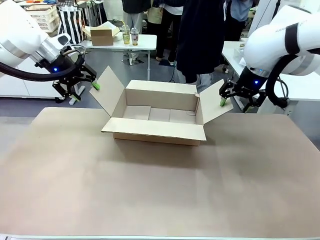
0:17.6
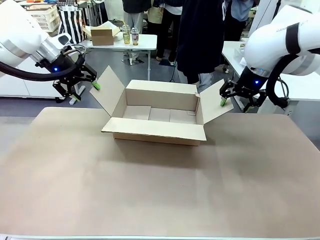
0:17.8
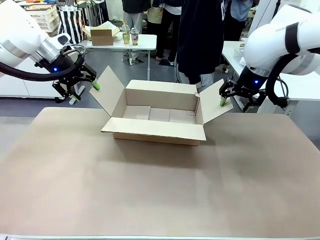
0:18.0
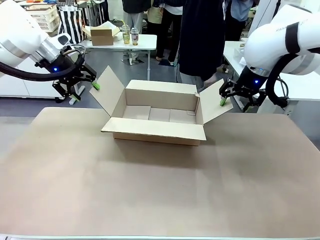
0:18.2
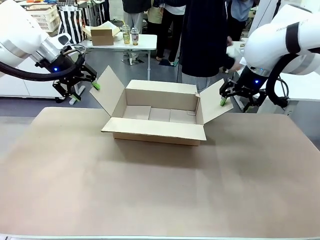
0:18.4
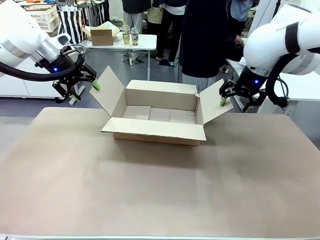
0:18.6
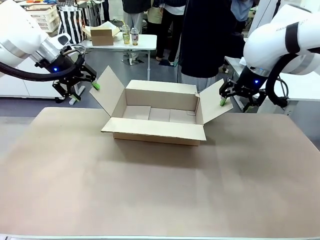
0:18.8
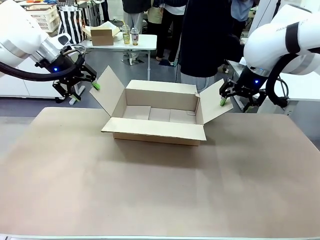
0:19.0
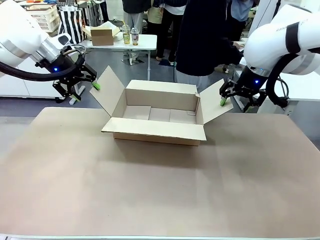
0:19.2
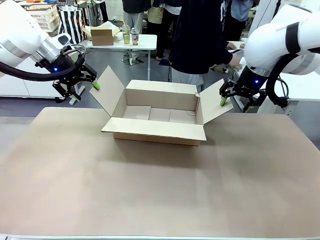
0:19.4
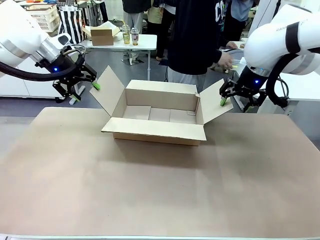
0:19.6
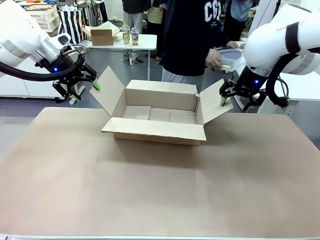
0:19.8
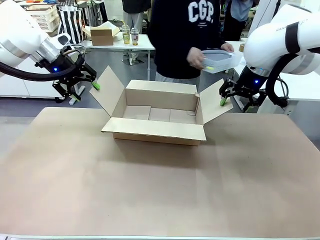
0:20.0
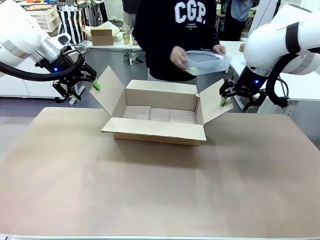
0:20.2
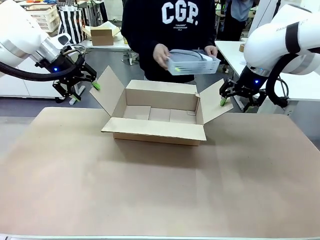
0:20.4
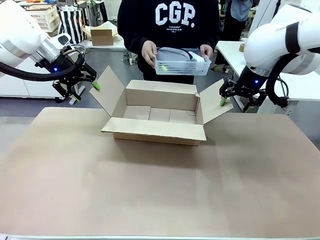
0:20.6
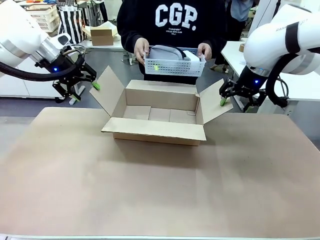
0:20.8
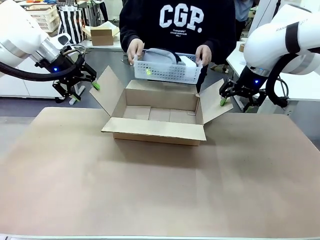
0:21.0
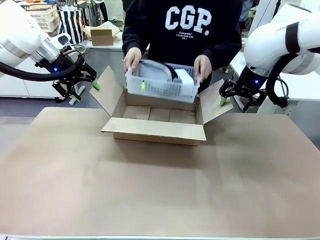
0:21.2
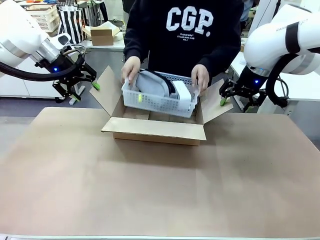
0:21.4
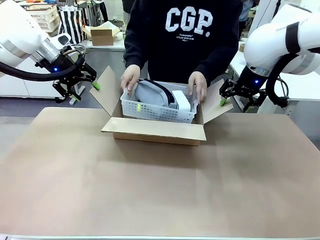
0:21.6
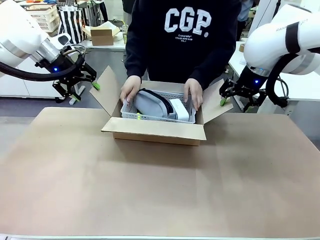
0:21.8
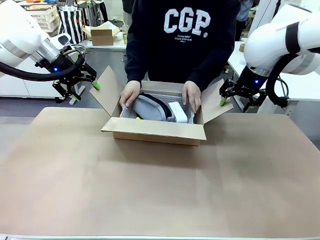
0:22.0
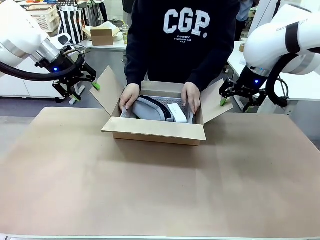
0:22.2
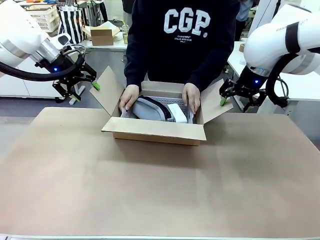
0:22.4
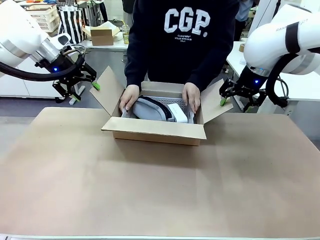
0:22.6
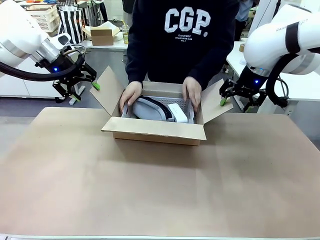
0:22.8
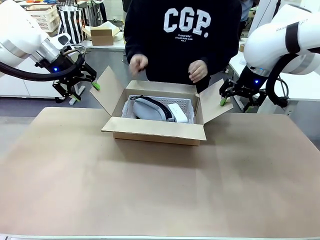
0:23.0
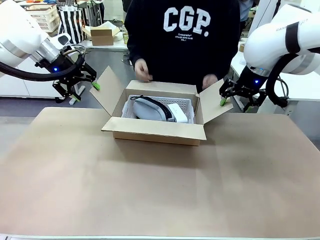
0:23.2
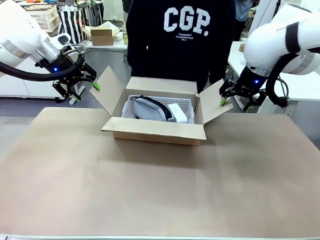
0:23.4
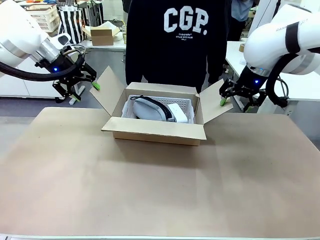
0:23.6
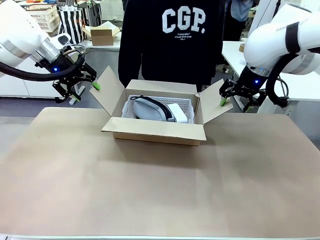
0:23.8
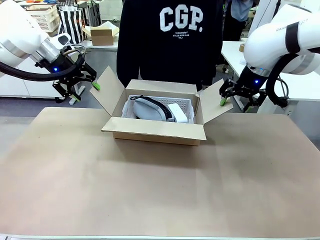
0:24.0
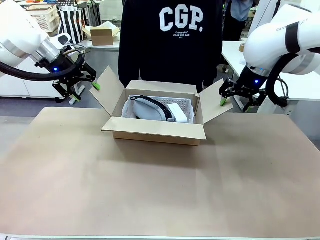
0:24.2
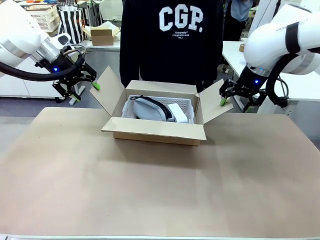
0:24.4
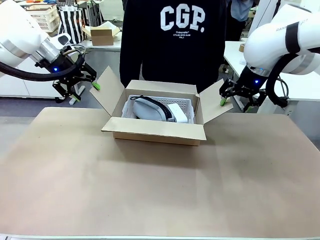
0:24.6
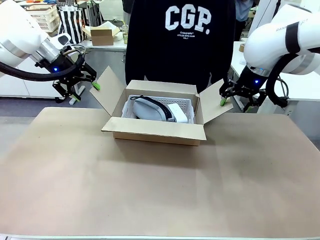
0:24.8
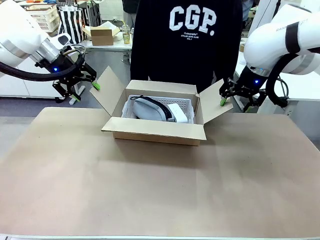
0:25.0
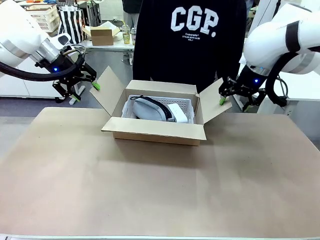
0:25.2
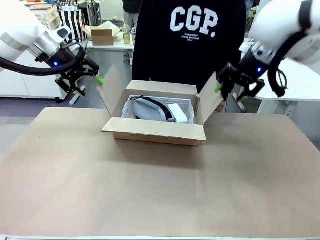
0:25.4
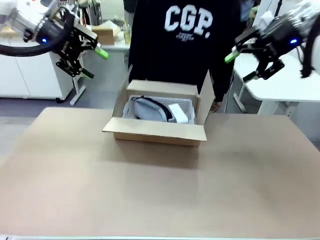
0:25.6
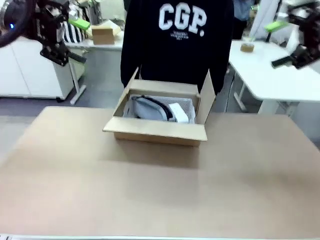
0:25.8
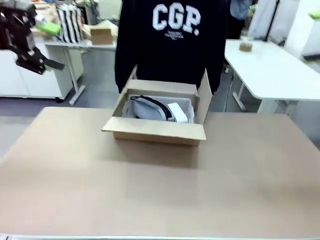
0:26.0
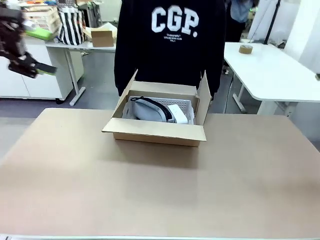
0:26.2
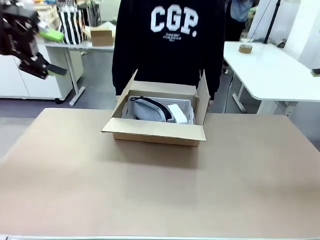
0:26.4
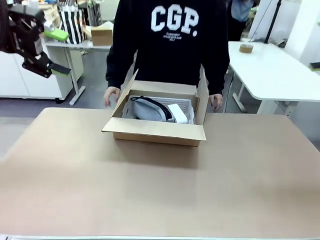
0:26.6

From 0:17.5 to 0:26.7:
Task: Pack the gift set into the box.
Robot: Lift both hands away from the flaps of the Package Box.
Person: The human picks up the organizing basket and places the organizing basket into the package box on the robot table.

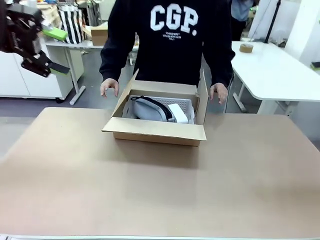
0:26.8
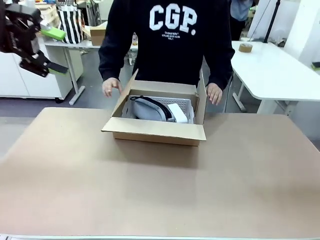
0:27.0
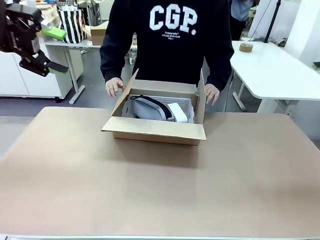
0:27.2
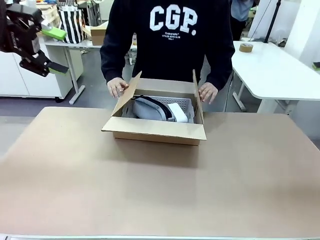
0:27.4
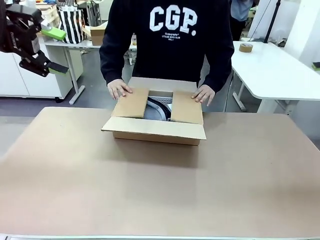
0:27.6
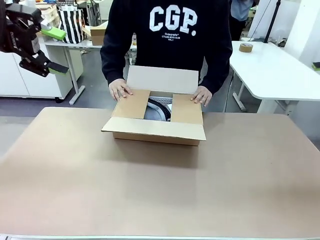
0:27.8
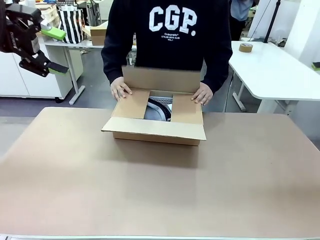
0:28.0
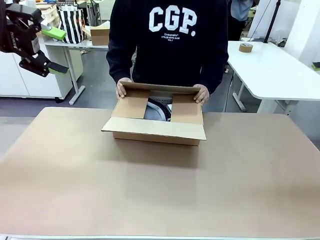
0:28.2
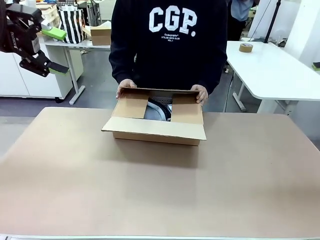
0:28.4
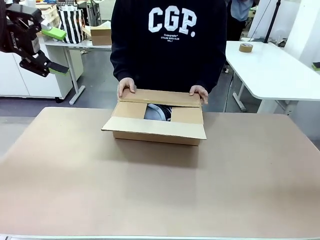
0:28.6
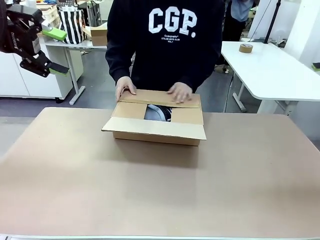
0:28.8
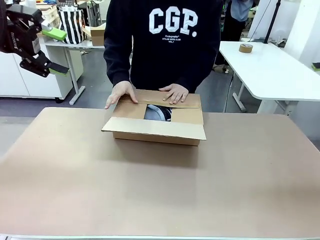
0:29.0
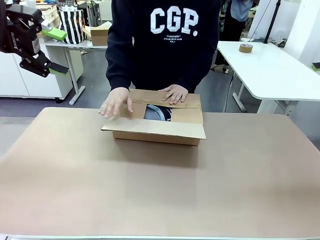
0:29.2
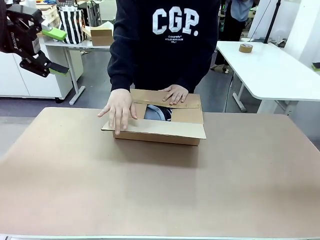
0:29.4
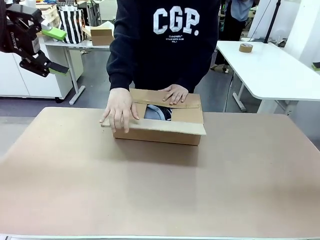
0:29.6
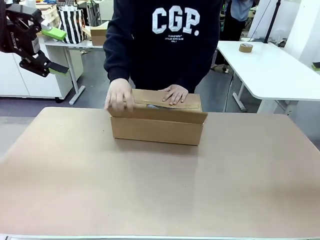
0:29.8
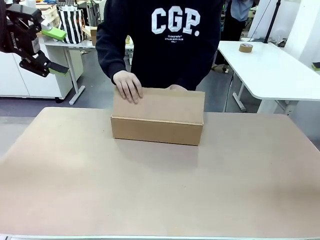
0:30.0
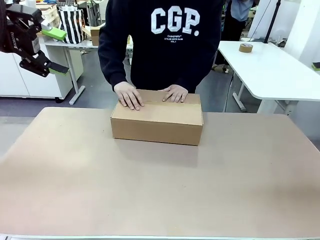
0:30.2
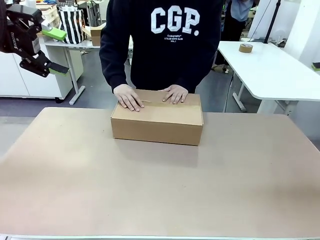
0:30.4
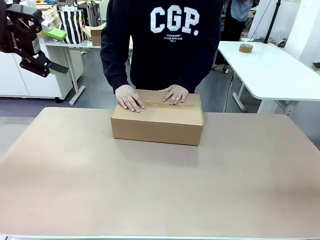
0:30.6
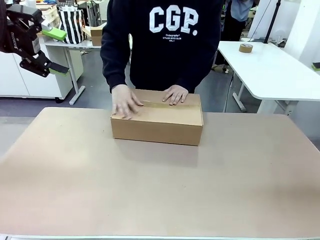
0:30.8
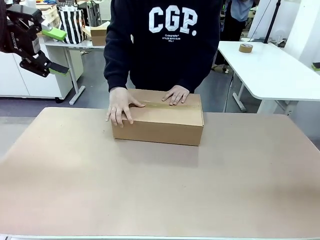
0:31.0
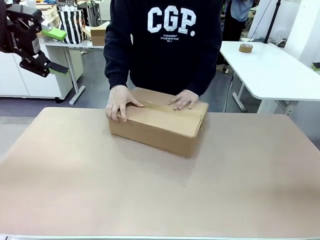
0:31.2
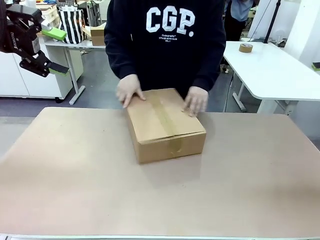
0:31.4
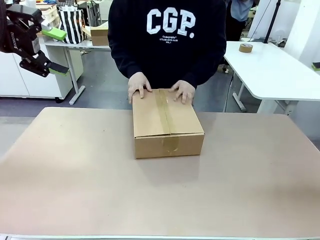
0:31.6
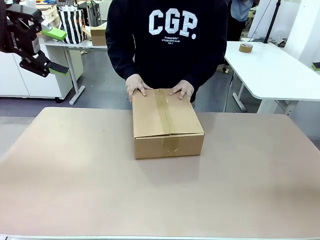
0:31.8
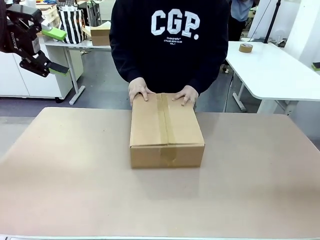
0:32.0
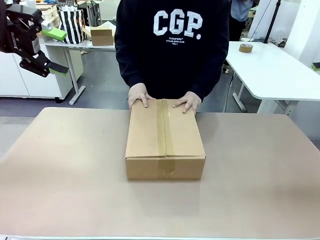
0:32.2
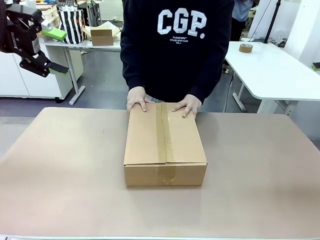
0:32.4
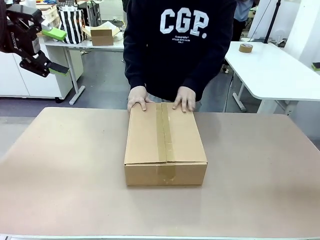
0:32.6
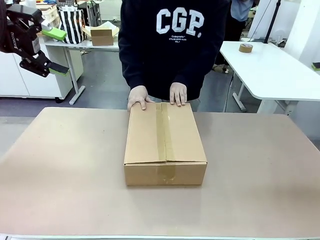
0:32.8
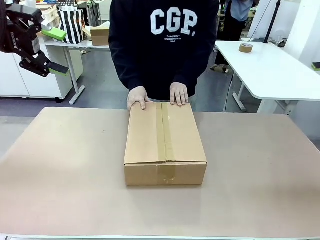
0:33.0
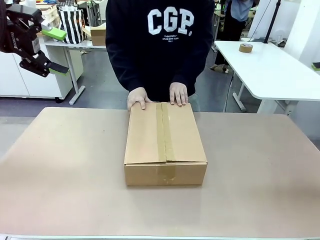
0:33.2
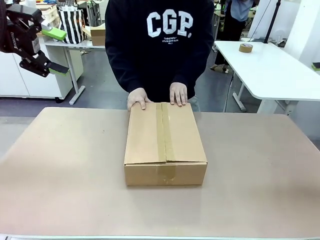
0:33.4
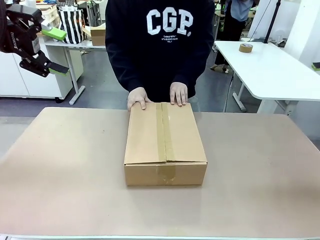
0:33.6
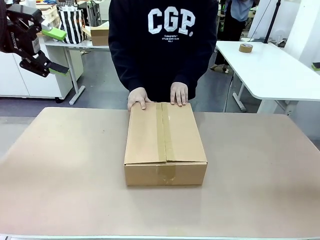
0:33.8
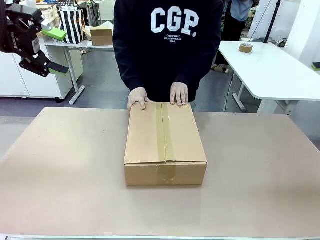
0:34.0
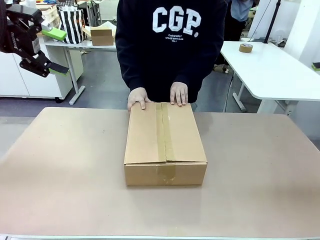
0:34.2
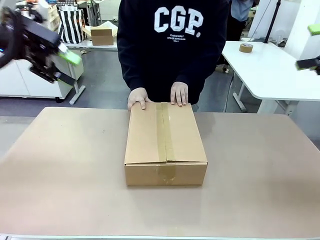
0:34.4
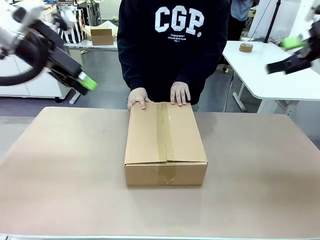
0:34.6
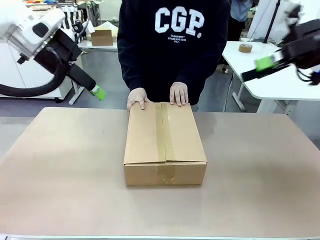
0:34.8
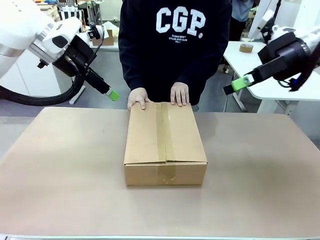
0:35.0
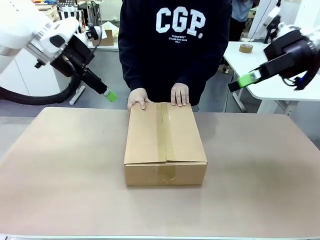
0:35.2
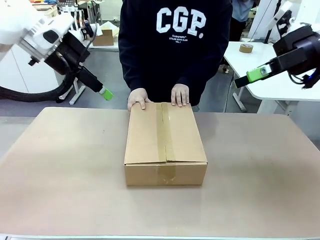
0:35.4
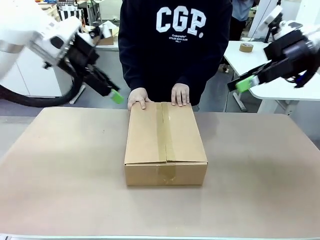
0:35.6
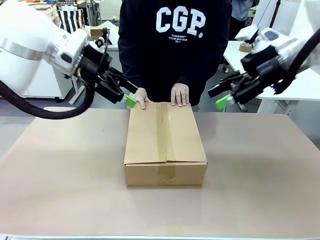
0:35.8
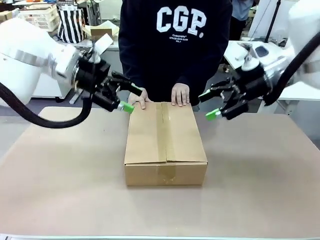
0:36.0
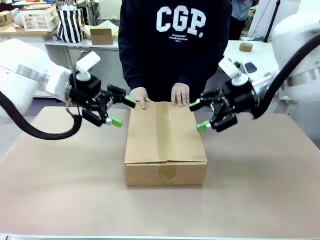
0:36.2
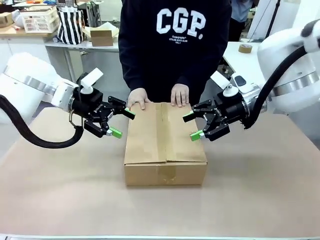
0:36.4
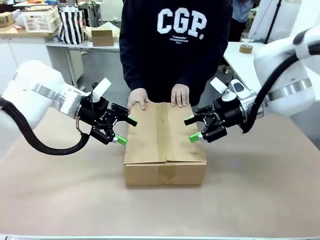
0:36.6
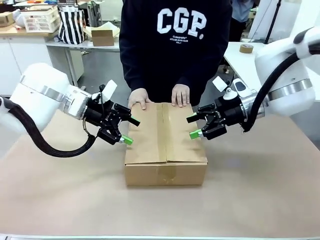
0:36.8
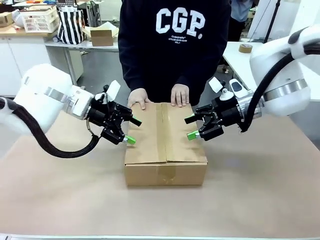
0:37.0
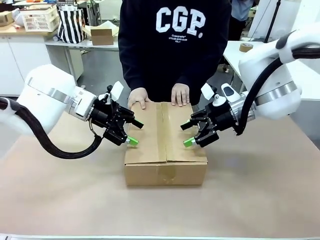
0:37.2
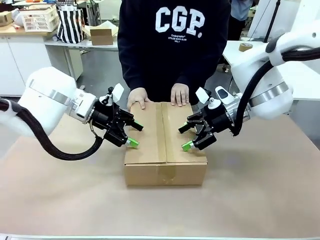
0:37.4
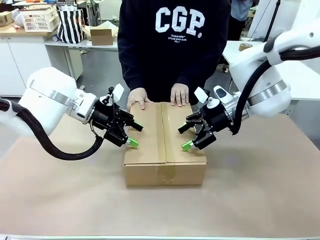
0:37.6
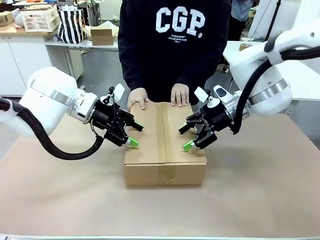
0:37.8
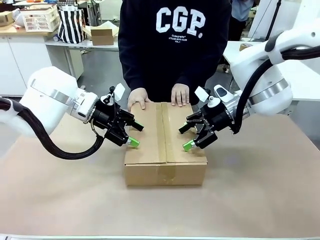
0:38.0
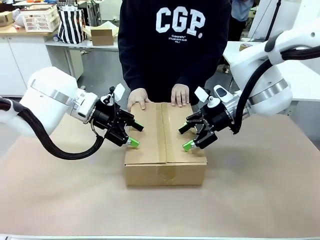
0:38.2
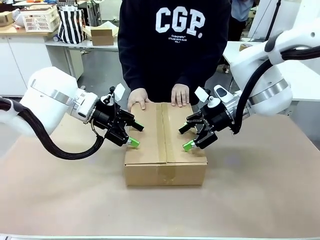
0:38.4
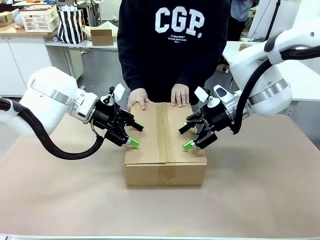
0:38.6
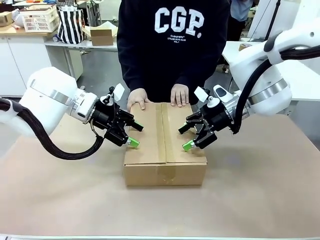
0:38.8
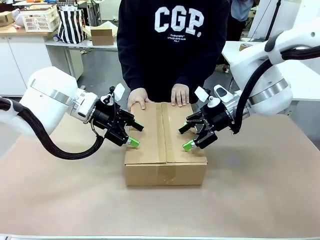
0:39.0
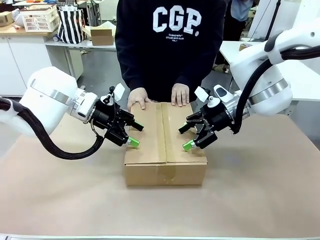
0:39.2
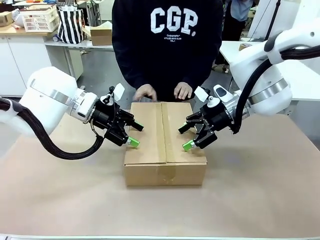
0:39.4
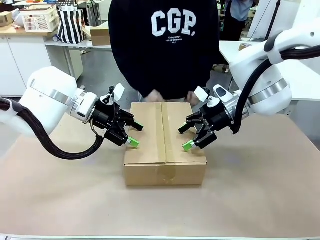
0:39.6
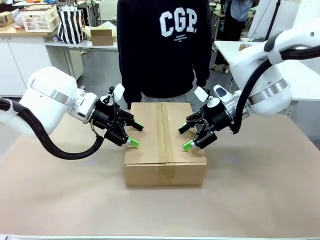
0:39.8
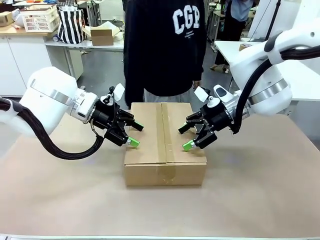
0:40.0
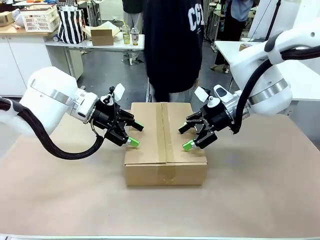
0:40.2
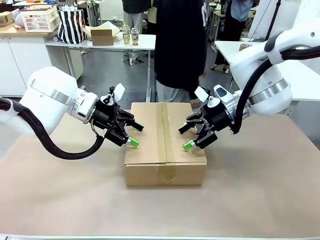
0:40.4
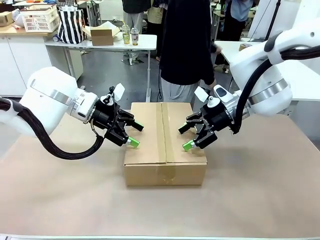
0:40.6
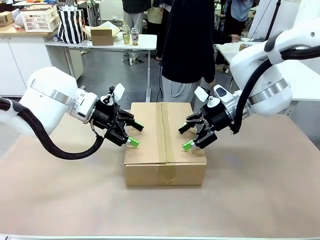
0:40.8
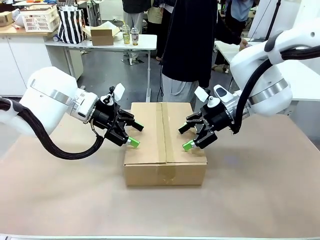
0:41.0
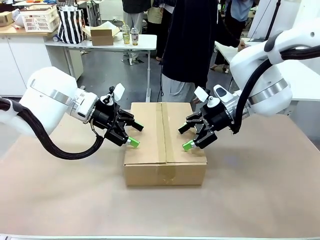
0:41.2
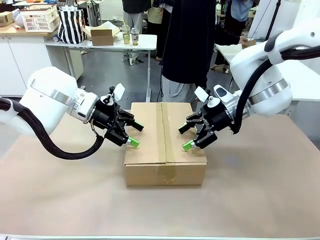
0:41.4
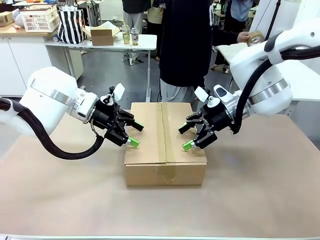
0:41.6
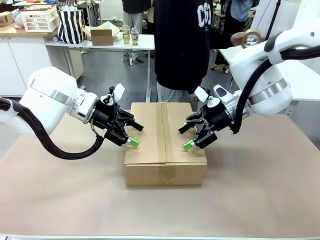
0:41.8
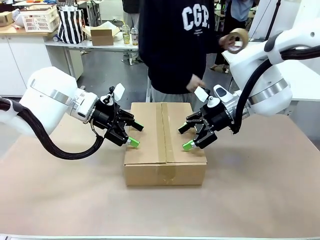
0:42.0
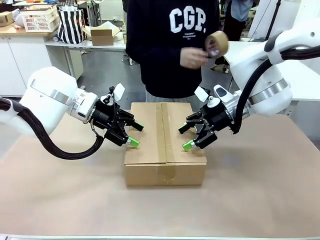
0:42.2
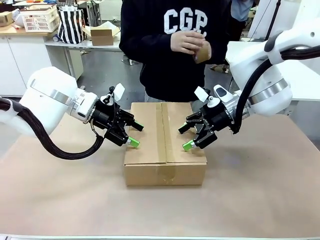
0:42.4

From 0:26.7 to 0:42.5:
Robot: Press and hold the closed box until the human finishes sealing it.
Person: The human closes the box and rotates the box by 90 degrees.
